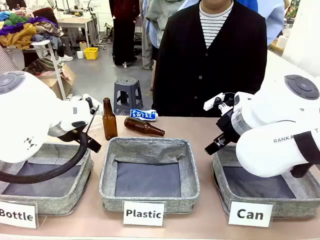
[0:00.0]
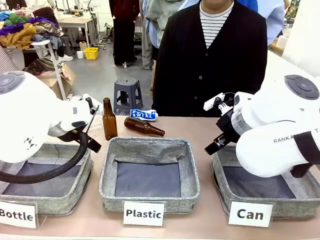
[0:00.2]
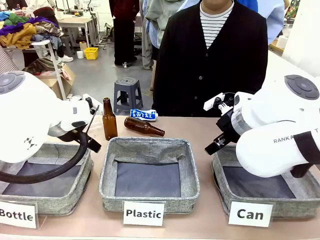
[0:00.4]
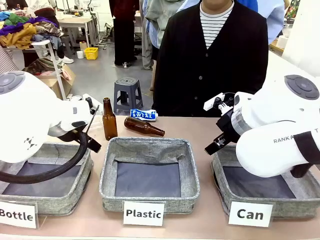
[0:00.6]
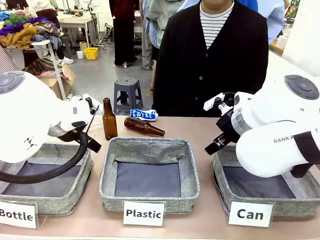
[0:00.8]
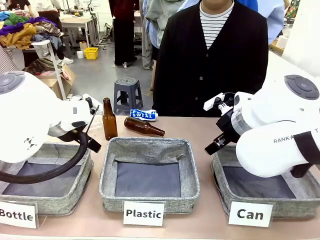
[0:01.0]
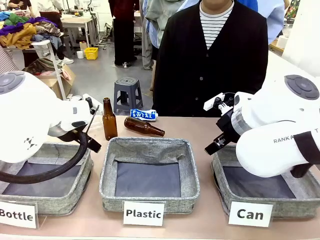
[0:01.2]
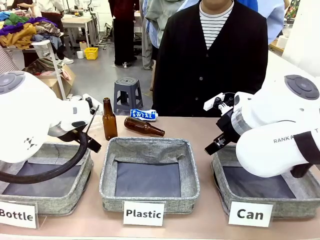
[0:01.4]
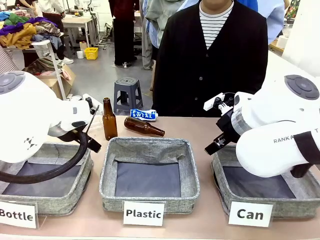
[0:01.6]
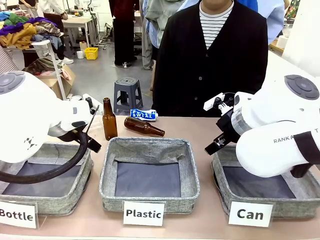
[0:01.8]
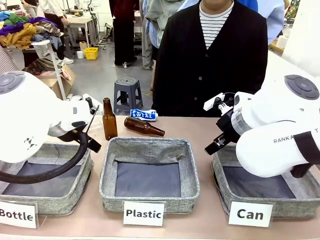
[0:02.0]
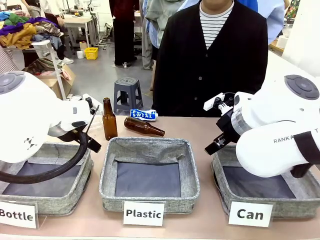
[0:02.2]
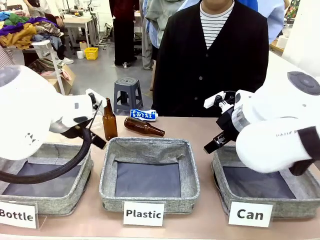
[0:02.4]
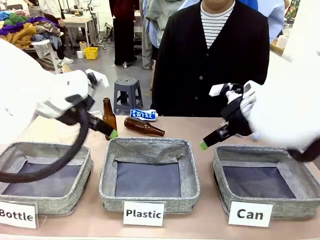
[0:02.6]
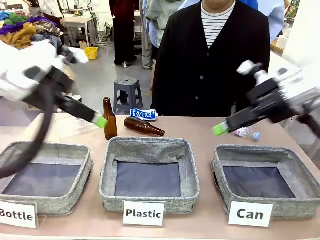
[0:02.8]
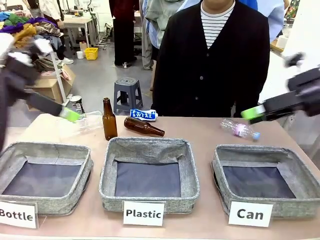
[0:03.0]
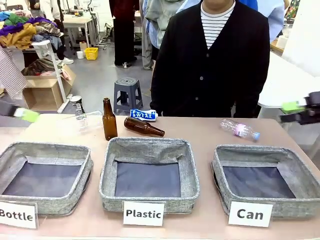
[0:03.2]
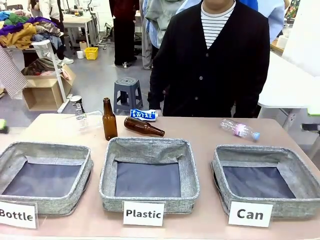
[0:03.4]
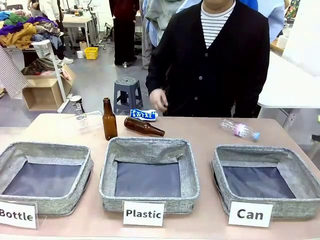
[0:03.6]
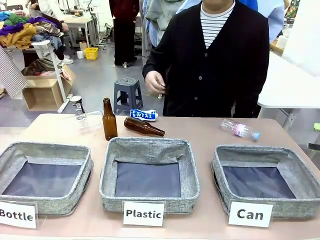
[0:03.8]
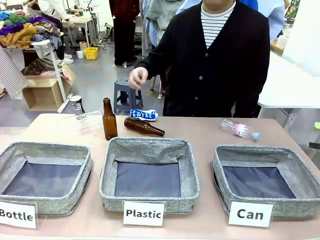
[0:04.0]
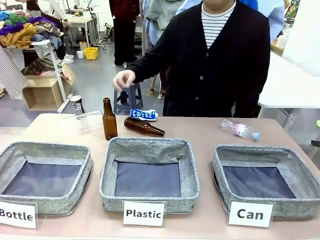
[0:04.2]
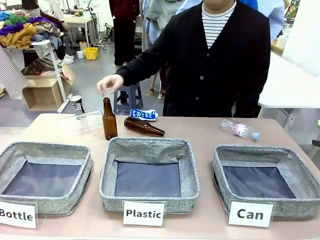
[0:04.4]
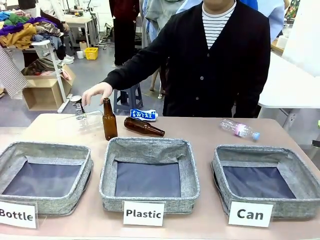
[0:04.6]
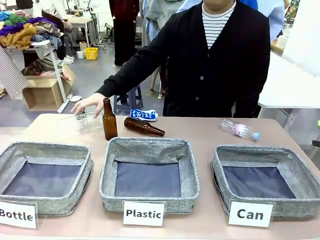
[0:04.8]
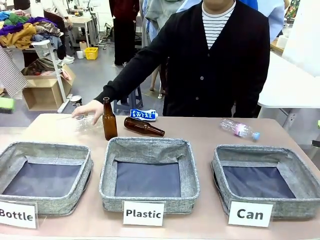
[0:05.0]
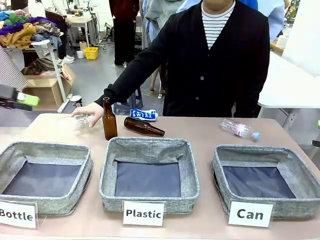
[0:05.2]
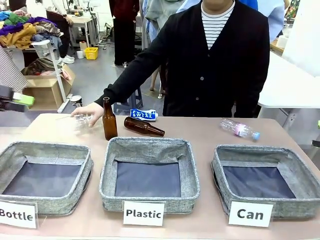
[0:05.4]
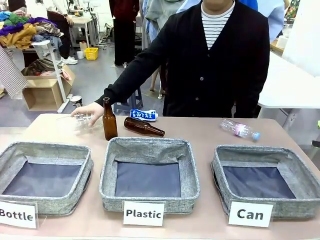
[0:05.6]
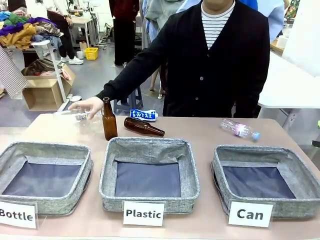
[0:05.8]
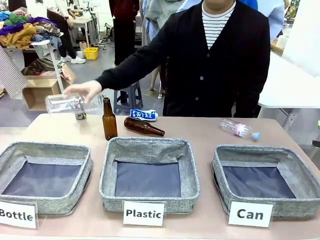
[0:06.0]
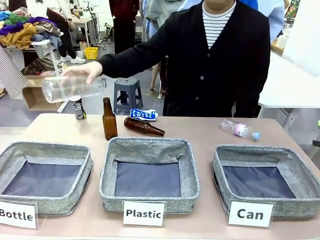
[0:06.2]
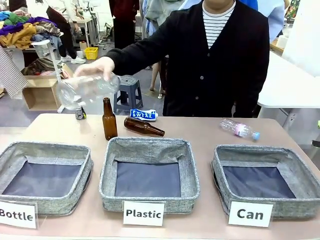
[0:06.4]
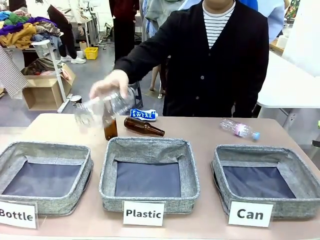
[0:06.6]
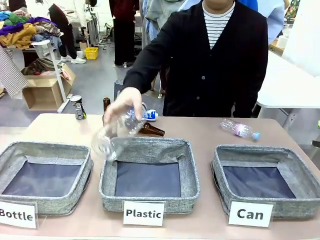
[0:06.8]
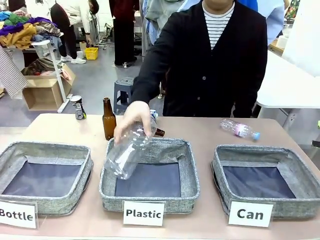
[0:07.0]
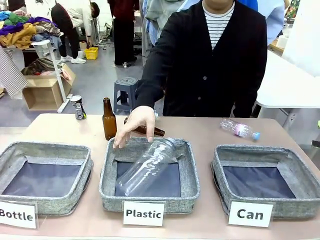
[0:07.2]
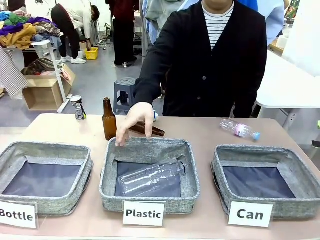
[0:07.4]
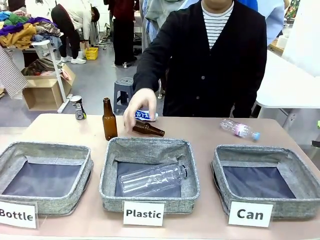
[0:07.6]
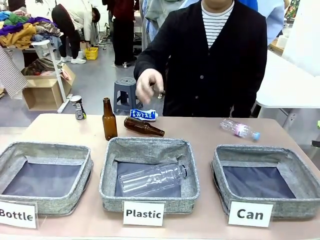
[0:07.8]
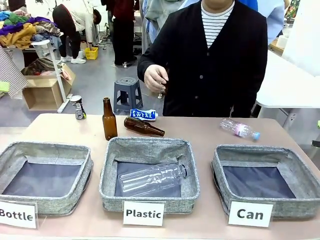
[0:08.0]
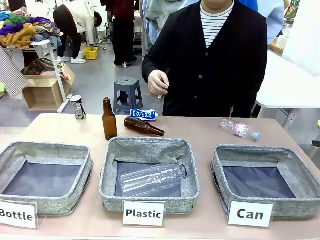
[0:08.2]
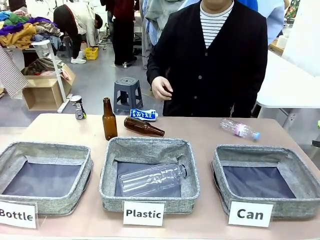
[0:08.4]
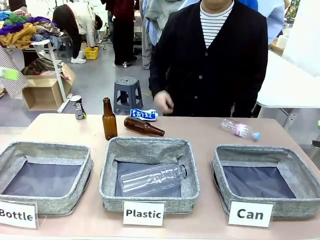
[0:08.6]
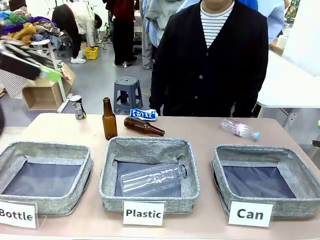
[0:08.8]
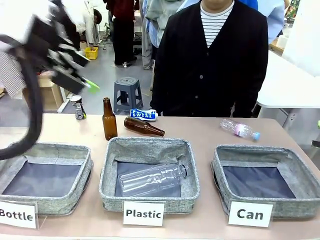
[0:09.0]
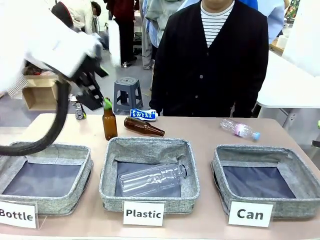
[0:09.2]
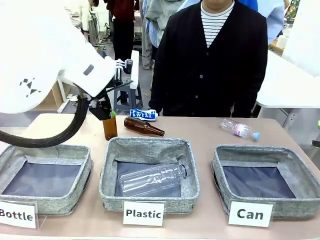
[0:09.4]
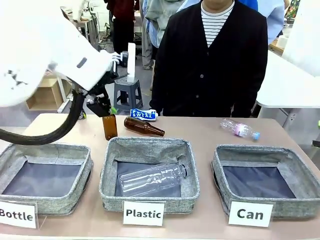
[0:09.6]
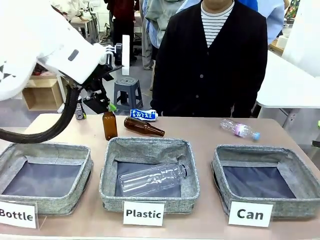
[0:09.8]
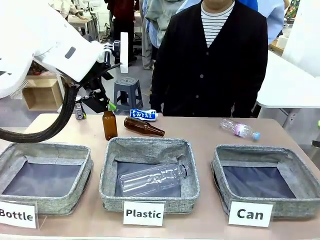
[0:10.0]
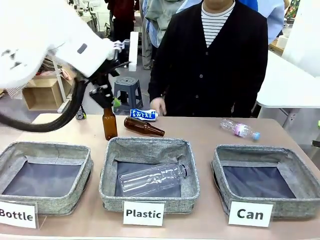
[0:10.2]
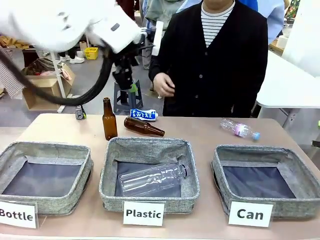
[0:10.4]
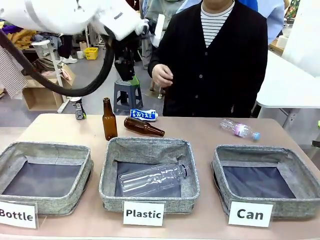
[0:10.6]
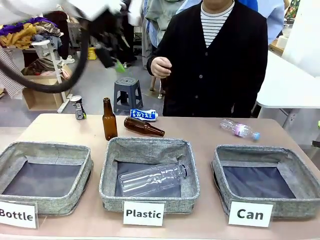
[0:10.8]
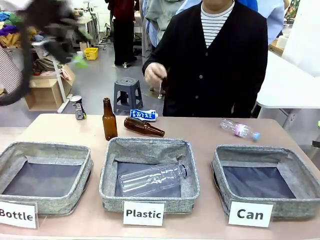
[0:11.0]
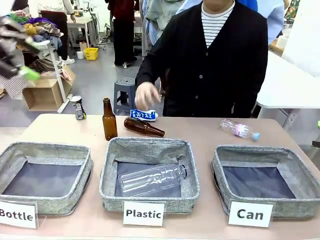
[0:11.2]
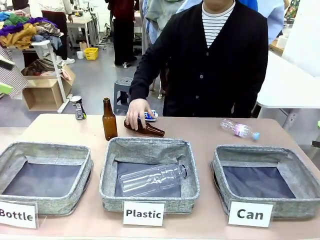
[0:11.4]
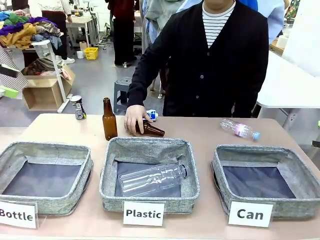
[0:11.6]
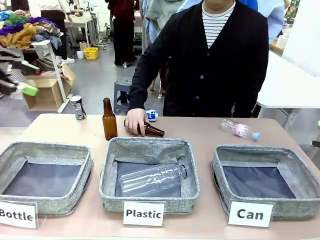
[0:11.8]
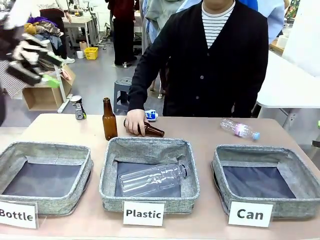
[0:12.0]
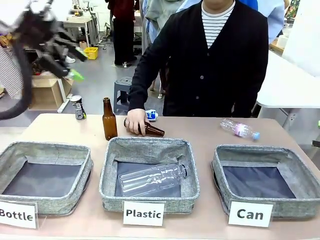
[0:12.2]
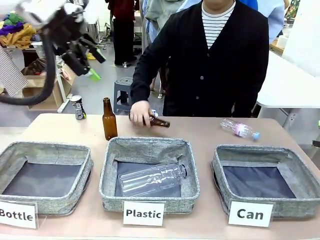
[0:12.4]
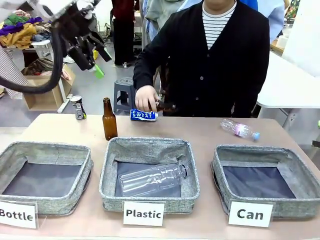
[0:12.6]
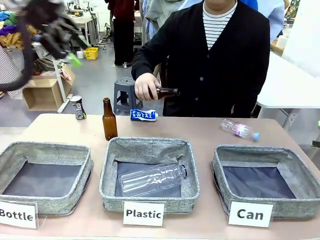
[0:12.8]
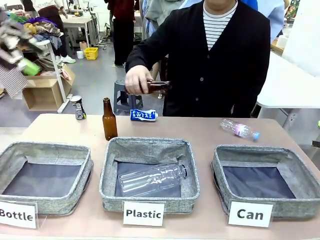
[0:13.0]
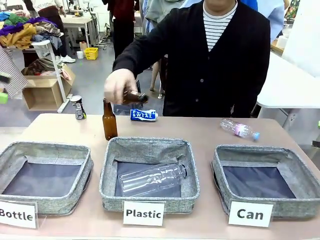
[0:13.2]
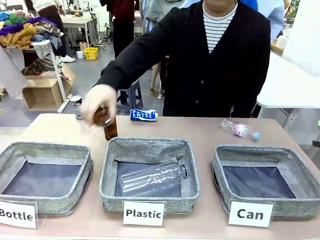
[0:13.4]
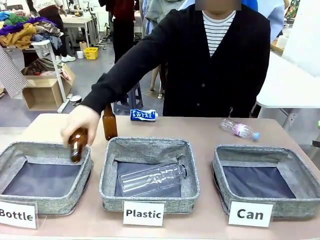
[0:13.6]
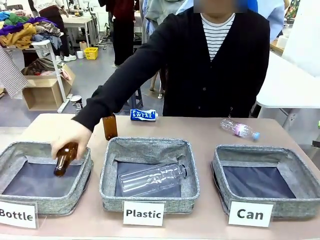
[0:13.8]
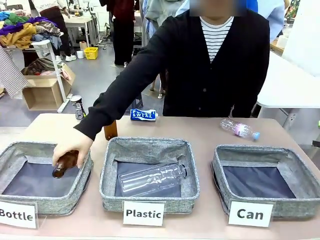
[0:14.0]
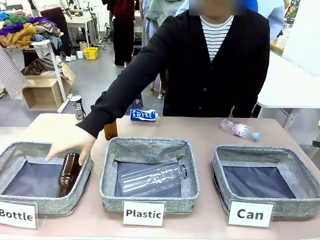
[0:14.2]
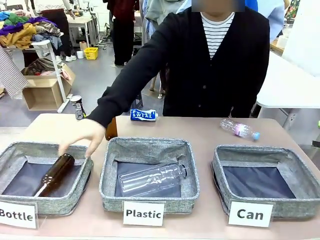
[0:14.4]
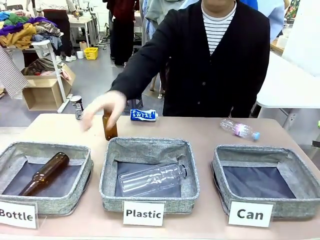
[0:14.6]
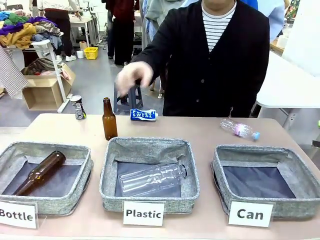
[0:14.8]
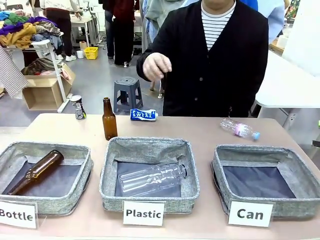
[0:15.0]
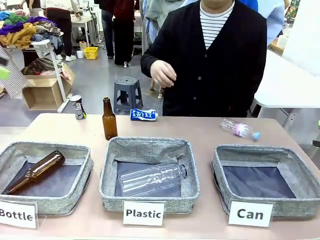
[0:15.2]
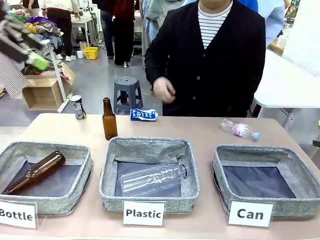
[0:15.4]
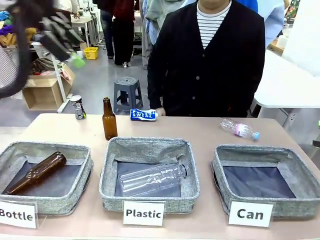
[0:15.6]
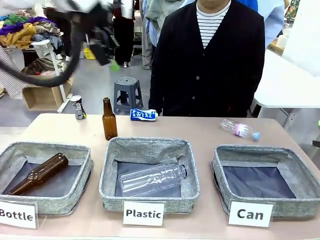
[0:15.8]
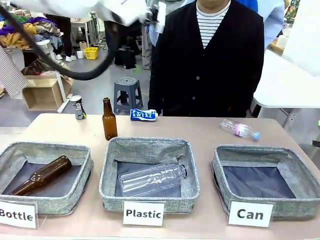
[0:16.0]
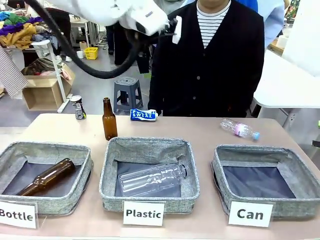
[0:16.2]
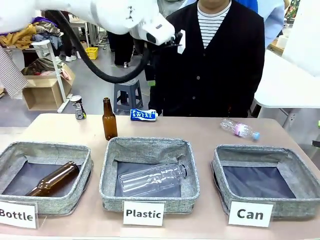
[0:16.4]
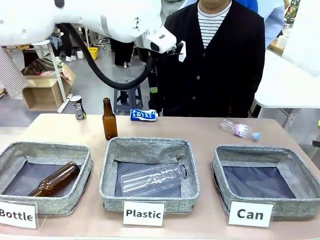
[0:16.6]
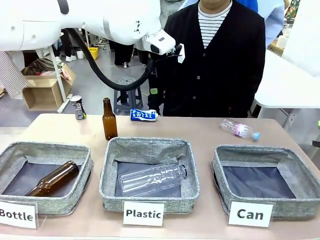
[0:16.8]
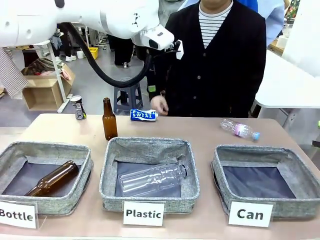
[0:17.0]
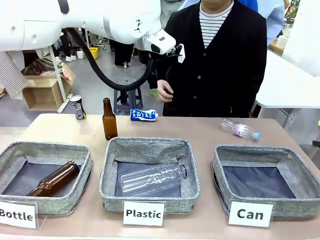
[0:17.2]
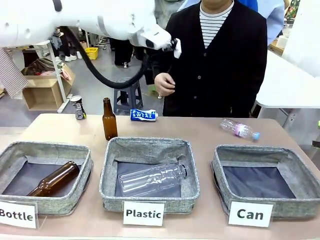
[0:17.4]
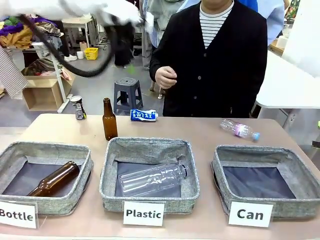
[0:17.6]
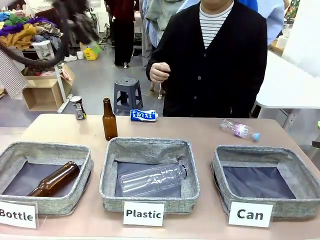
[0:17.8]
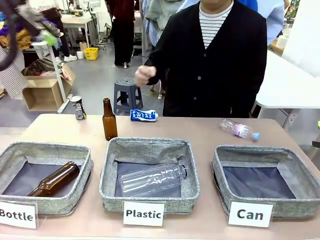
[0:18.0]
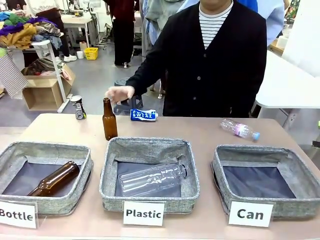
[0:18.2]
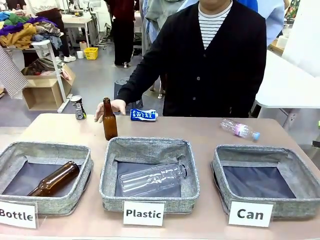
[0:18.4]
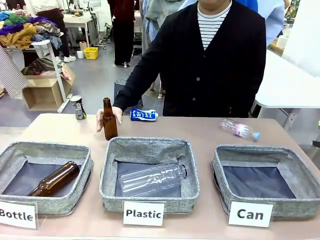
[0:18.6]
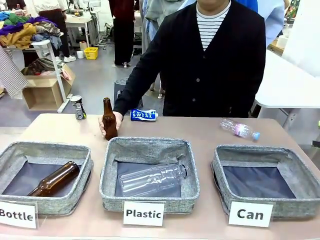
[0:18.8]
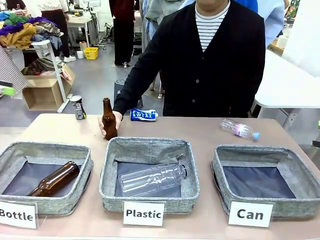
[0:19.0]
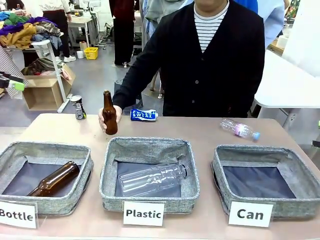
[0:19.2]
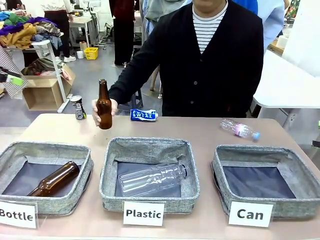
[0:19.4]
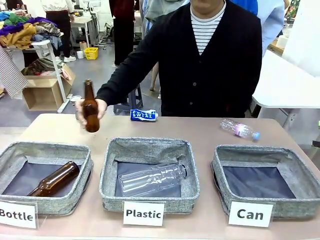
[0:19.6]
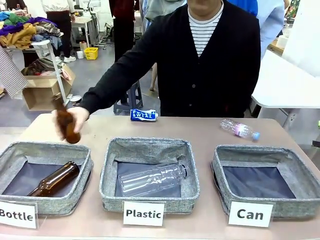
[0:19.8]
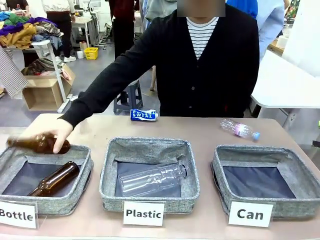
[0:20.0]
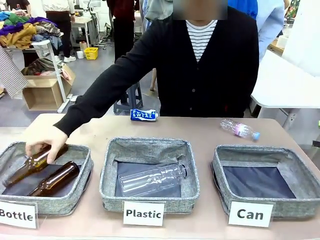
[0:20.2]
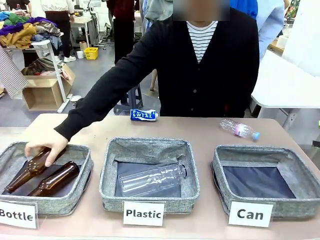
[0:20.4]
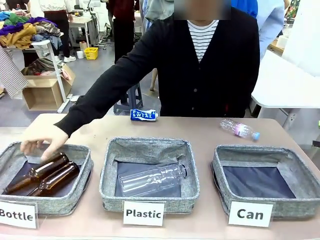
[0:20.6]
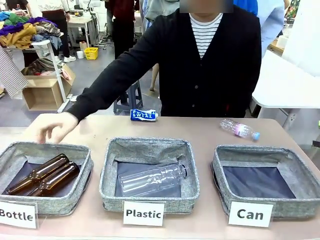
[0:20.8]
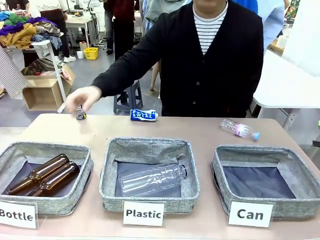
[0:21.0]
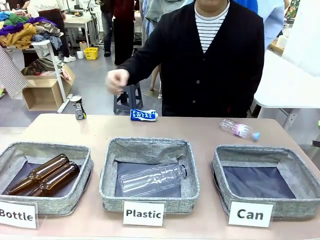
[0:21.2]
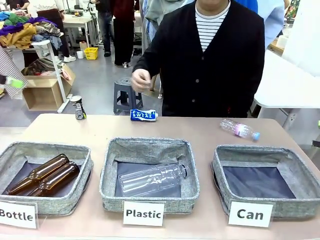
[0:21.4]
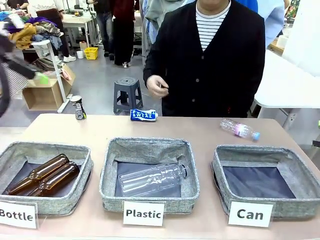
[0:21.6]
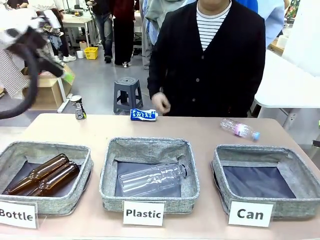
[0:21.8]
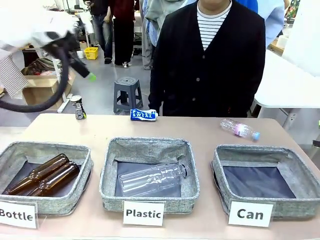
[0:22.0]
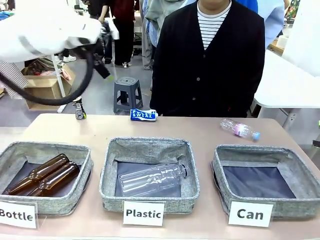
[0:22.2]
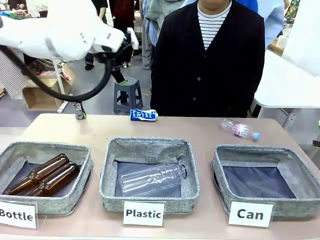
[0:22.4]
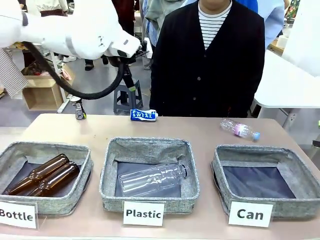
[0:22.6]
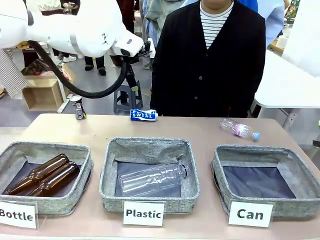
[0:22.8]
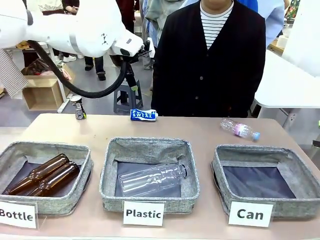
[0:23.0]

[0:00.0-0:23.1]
Task: Sort the can waste into the basket.
Robot: Pick up the can waste from the table and place it in the right Fabric basket.
